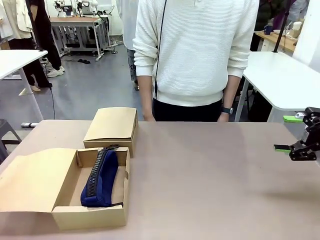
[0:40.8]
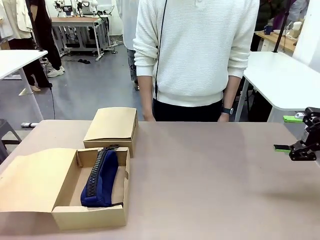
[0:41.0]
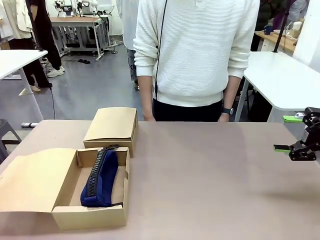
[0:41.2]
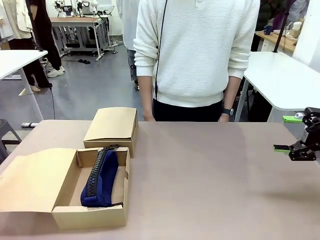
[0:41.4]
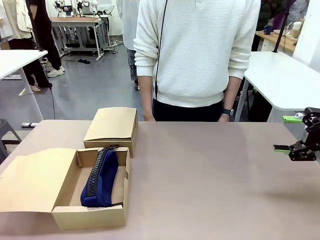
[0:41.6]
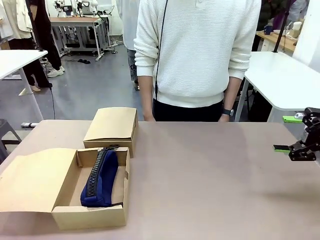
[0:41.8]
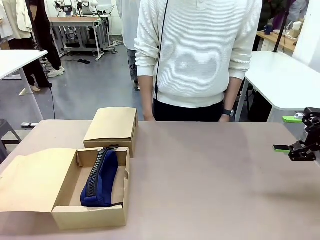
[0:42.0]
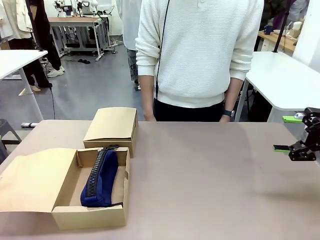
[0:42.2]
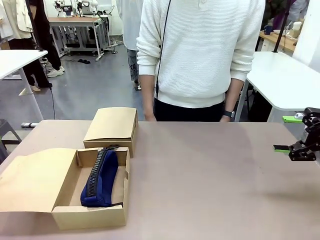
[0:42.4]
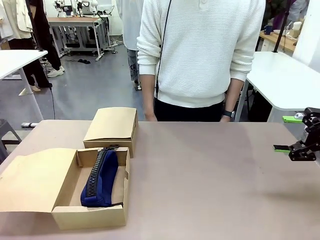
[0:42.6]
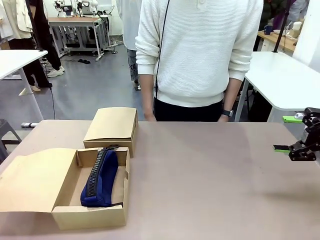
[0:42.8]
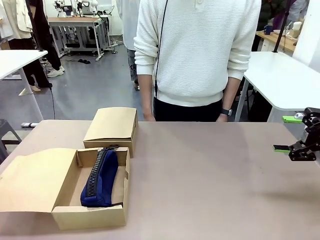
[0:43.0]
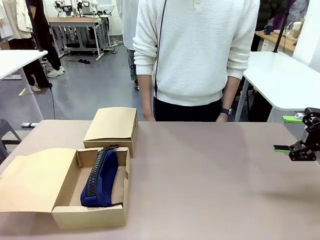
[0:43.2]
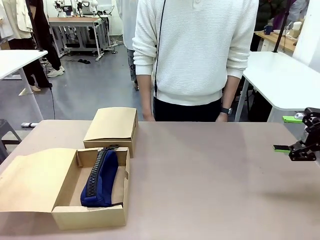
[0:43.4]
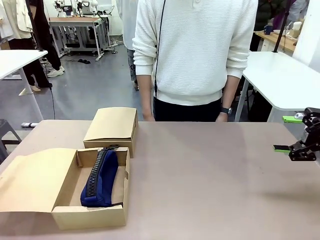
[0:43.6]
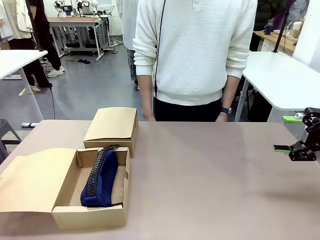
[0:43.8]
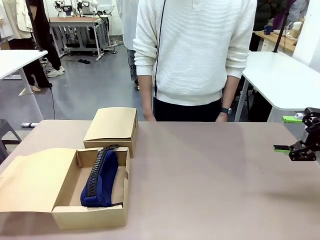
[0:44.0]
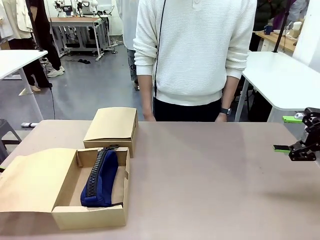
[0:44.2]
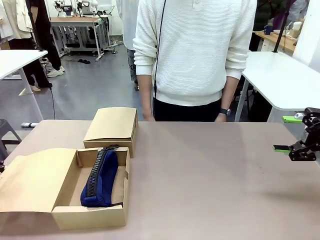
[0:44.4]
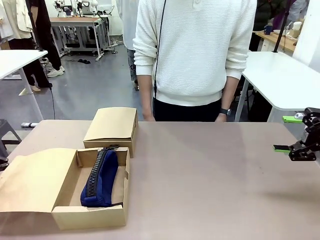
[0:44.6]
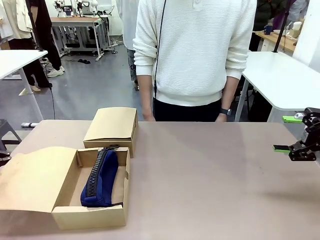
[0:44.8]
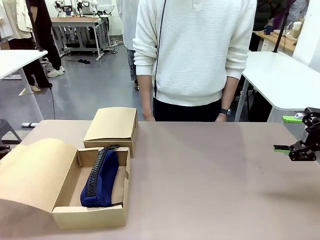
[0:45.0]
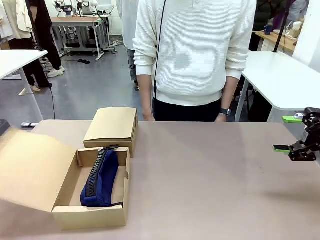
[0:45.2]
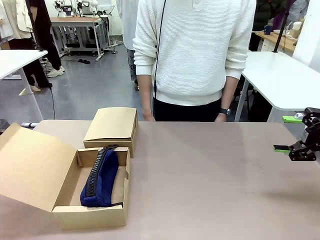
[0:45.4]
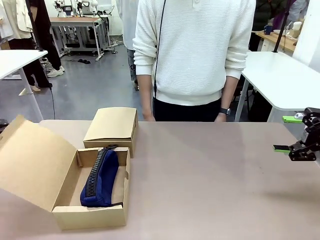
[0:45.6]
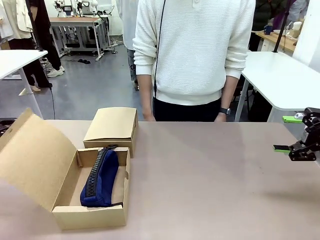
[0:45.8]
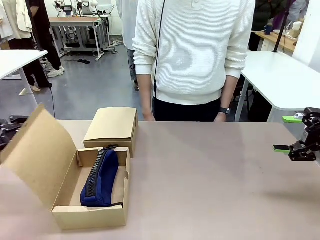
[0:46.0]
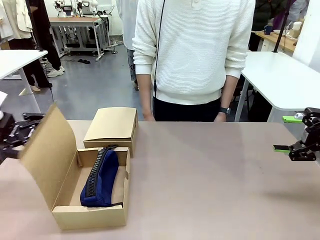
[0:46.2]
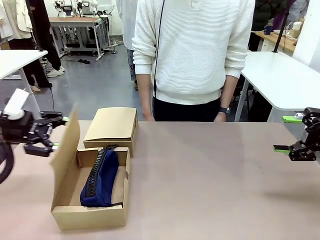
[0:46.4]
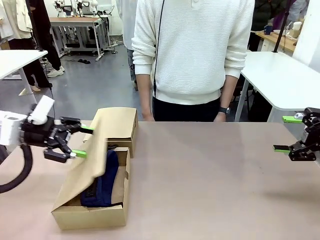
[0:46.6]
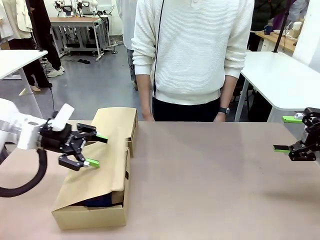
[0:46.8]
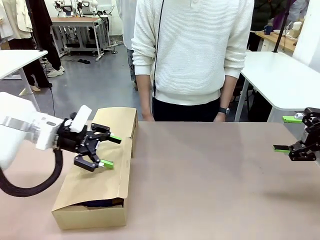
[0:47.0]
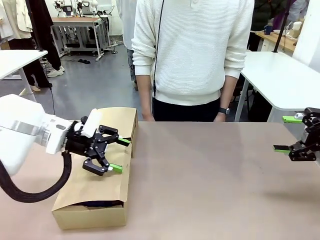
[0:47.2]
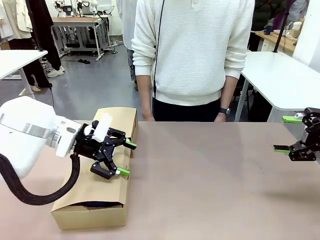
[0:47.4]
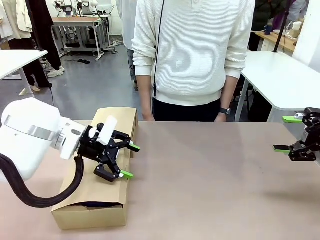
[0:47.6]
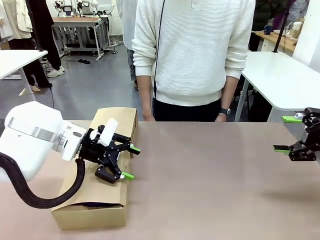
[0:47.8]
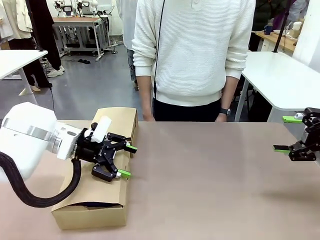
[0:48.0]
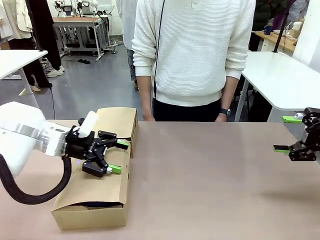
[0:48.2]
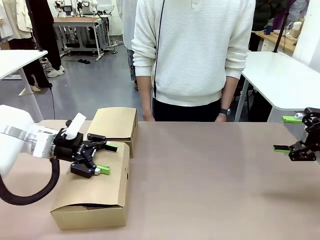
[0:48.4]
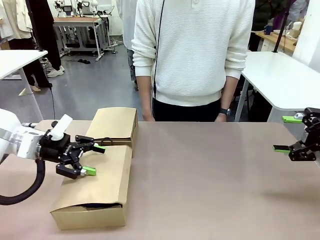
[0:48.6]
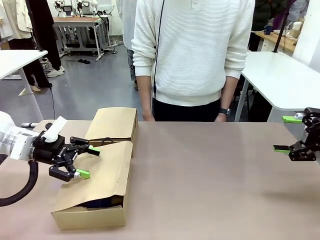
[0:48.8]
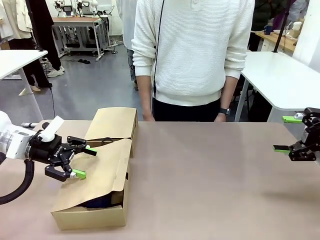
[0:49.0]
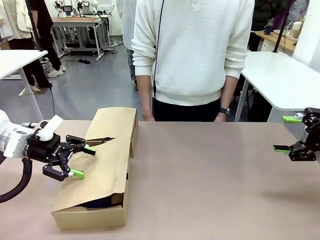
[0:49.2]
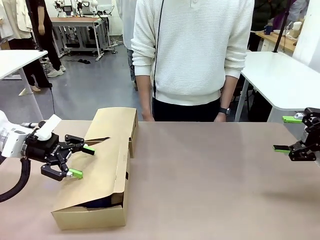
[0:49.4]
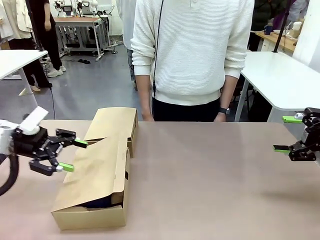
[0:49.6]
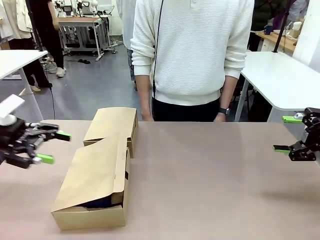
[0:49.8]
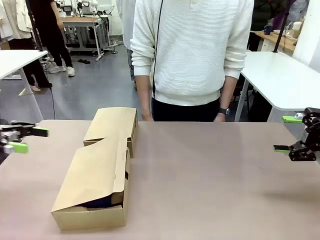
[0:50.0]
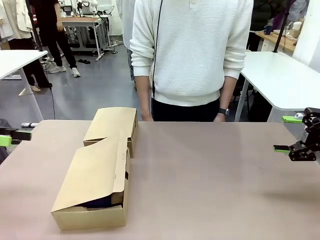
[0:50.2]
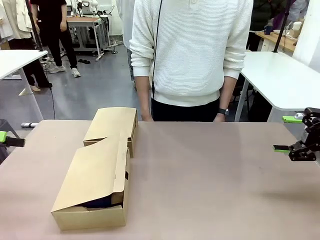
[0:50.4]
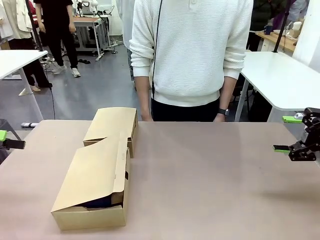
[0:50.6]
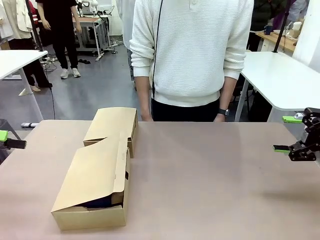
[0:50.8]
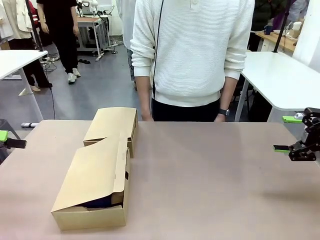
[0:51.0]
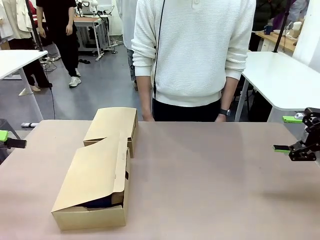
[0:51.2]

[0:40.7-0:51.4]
Task: Place items inside the box.
Robot: Close the lid of the Mailer Box closest to the robot.

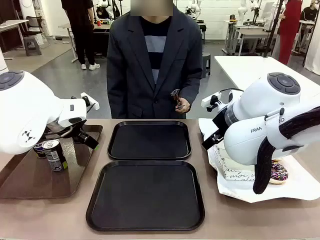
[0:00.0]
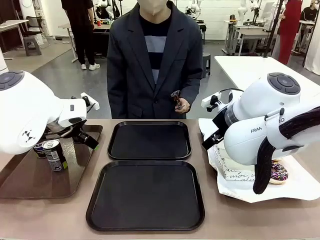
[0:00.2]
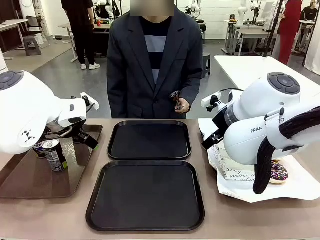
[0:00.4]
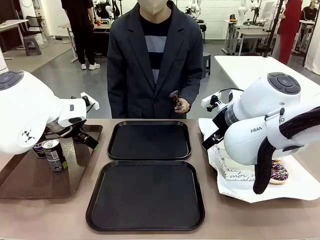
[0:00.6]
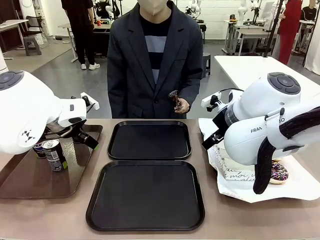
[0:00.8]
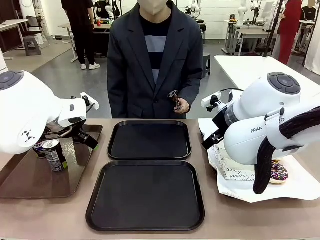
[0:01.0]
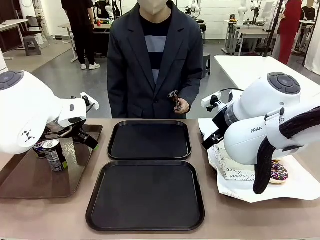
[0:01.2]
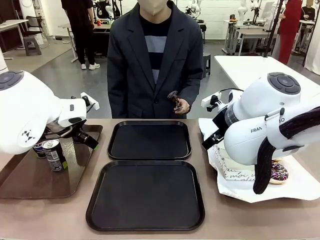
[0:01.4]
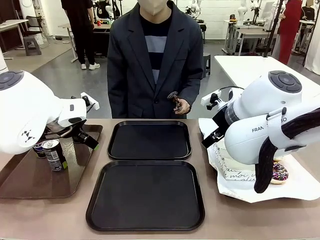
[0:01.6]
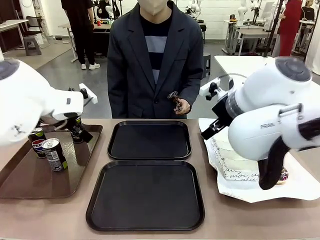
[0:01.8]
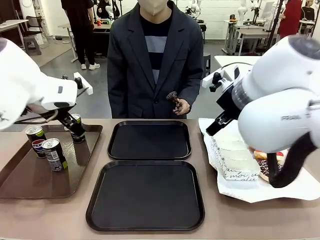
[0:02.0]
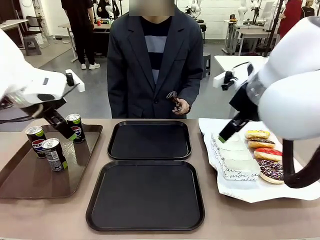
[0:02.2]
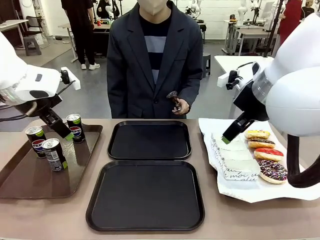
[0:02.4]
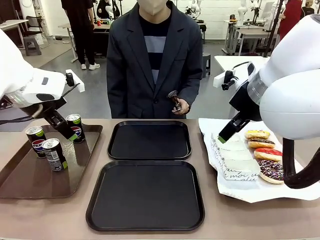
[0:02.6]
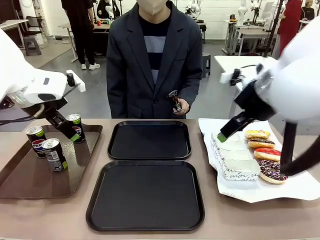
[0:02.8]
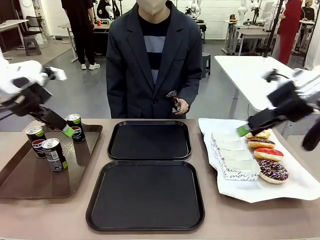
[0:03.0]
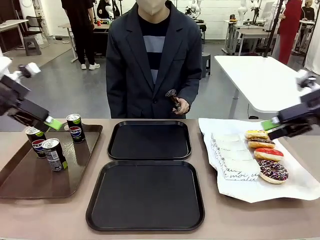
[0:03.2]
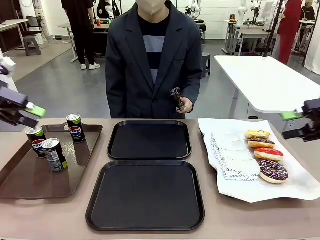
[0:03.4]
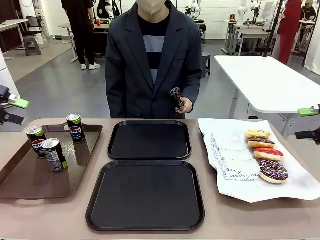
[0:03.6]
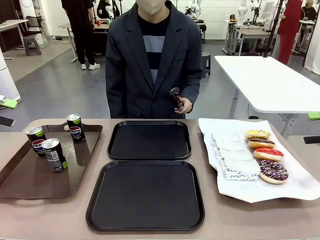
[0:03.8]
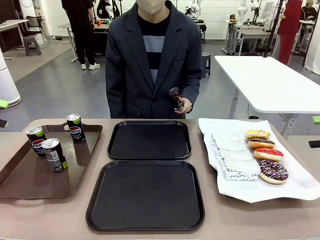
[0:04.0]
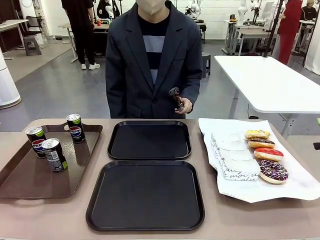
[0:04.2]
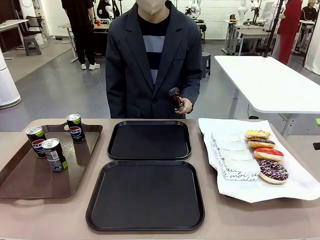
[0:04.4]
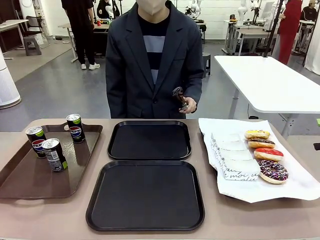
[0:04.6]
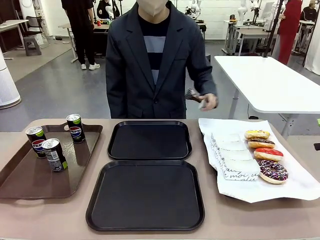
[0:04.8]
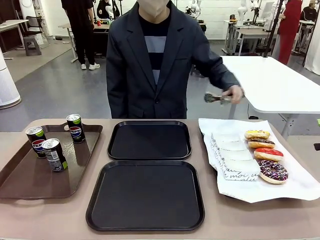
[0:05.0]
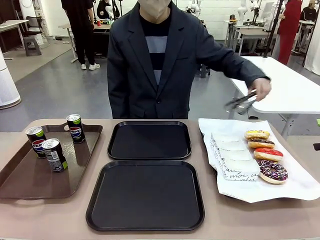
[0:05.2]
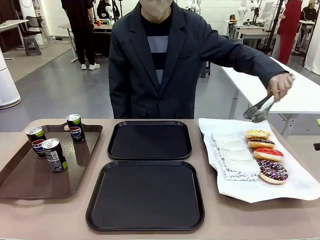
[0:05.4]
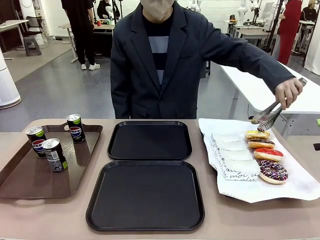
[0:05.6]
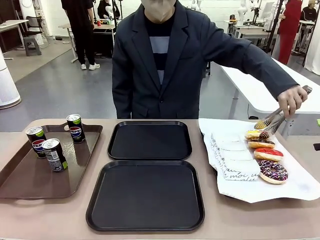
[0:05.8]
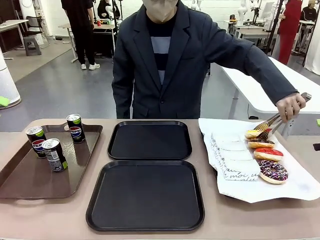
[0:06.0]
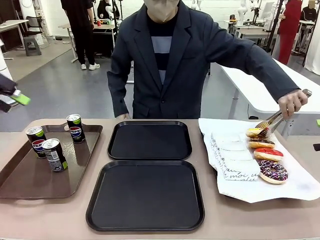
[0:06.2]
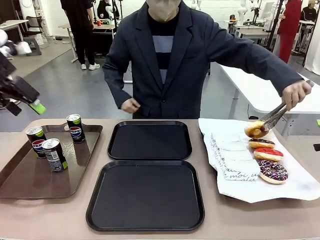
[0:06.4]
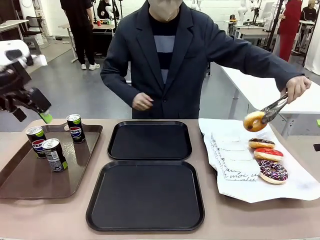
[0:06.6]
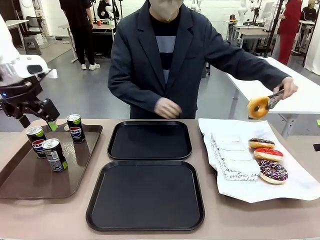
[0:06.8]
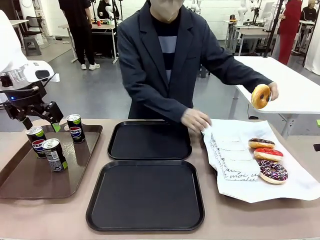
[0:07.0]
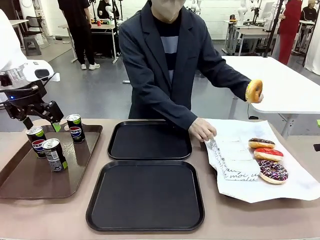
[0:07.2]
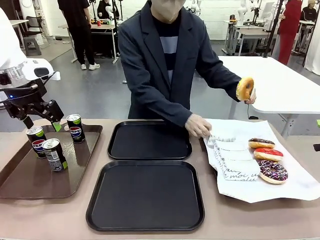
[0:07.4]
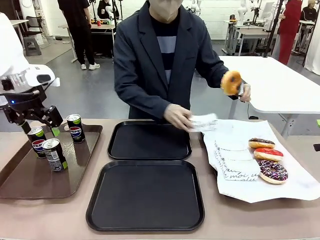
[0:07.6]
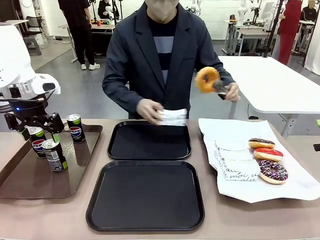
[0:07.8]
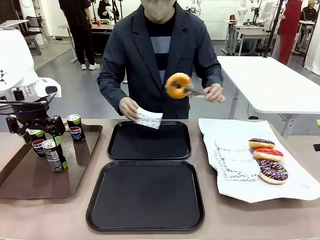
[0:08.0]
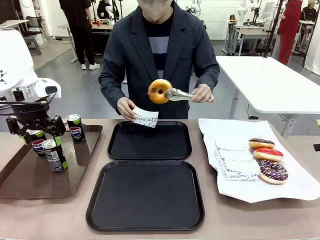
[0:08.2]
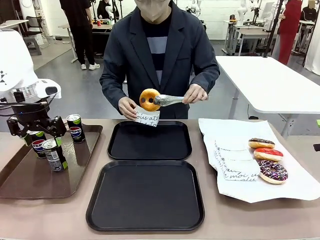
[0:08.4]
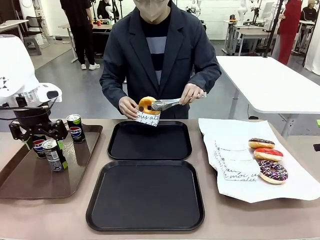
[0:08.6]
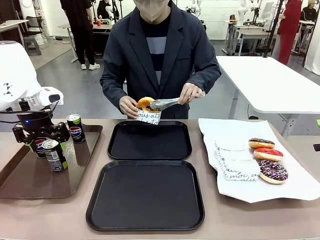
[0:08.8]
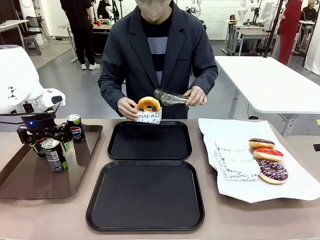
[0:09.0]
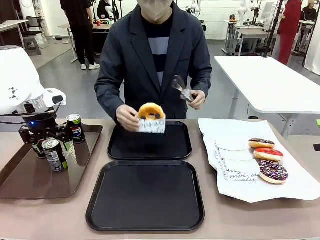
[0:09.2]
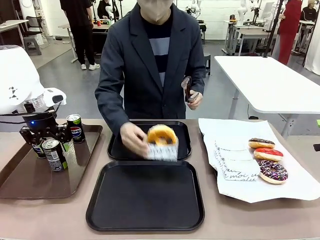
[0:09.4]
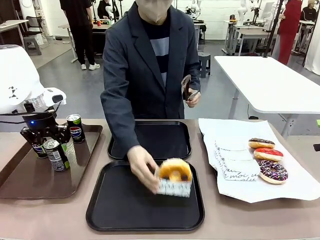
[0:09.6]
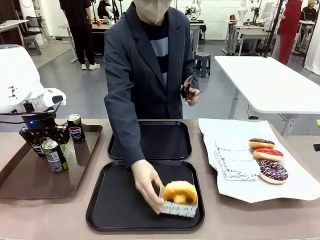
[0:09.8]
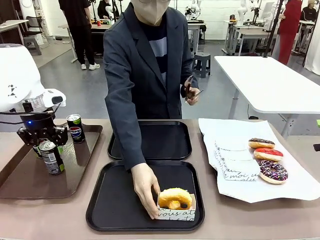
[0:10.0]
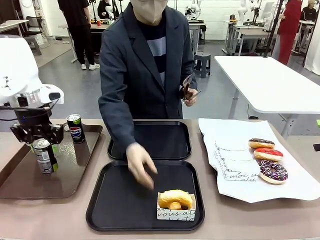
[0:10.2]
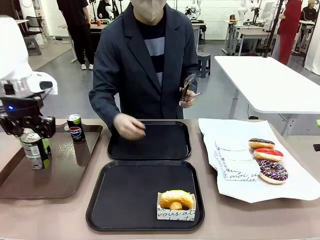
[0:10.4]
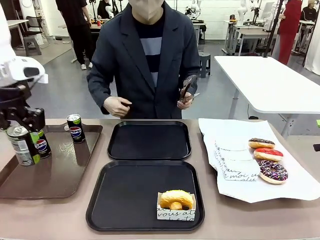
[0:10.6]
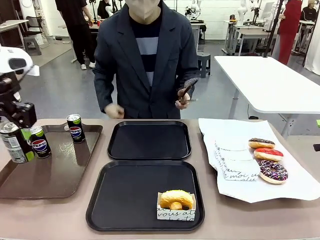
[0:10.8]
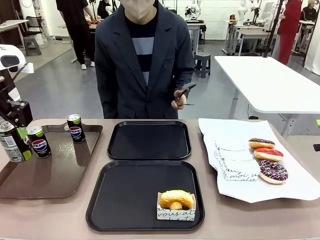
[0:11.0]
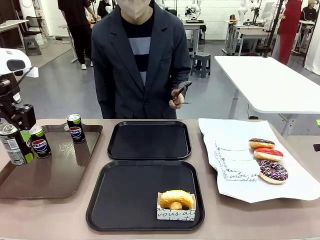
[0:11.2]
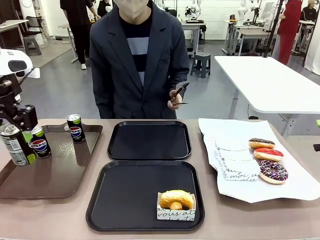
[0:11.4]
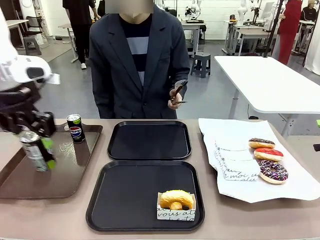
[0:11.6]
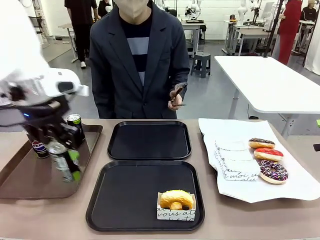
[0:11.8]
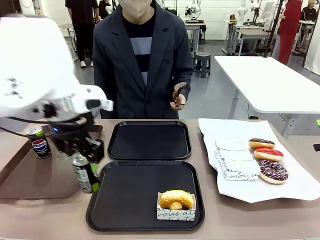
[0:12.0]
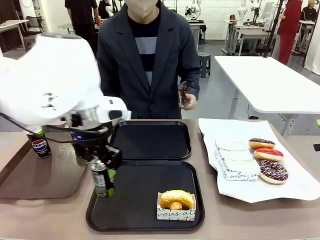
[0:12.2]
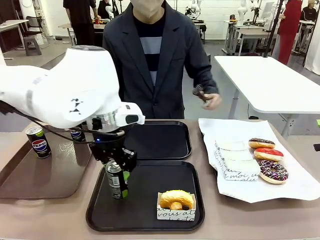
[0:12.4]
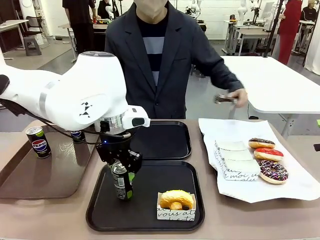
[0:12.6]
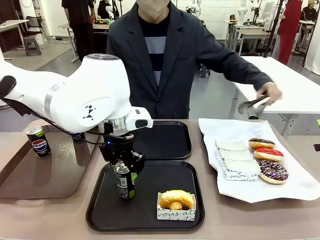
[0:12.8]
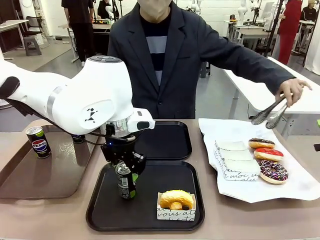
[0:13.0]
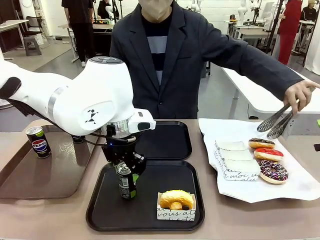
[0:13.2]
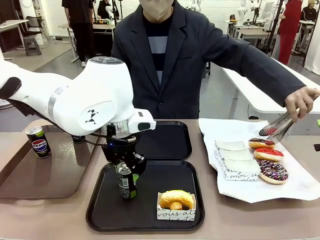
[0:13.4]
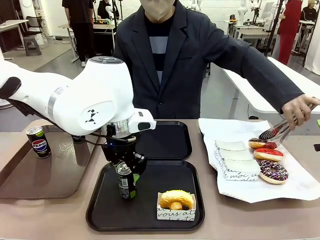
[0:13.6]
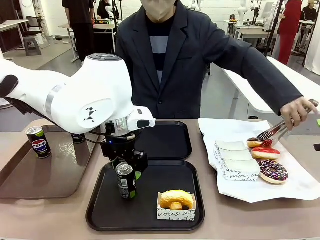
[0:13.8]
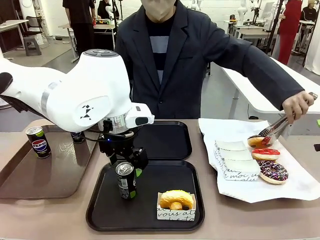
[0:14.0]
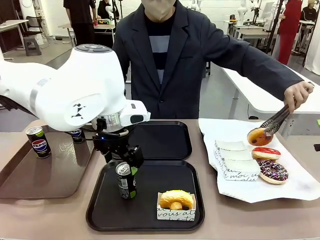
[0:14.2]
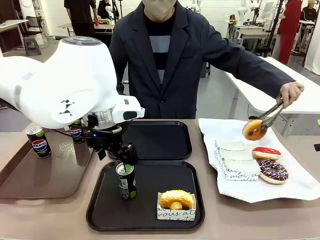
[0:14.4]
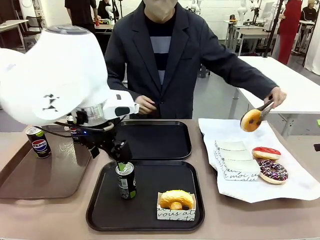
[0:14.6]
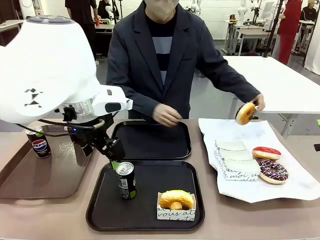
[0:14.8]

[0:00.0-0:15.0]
Task: Set up donuts and drinks on trays.
Robot: Pick up one Pepsi coke and place it on the Flat Tray.
